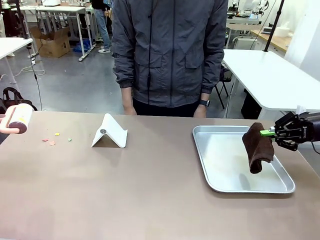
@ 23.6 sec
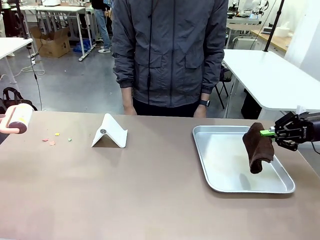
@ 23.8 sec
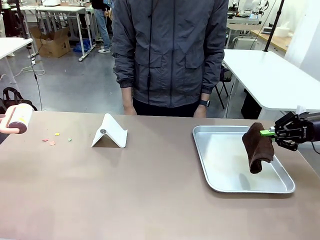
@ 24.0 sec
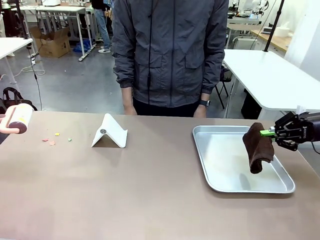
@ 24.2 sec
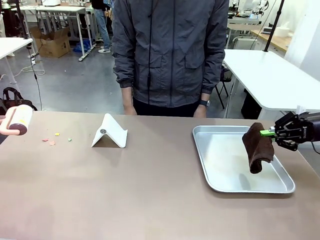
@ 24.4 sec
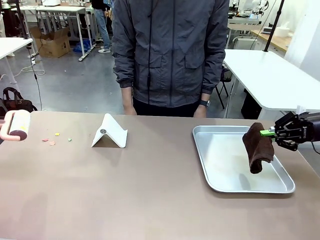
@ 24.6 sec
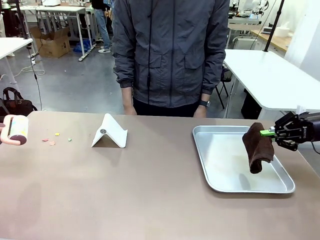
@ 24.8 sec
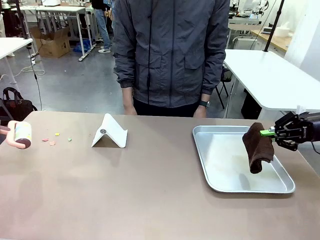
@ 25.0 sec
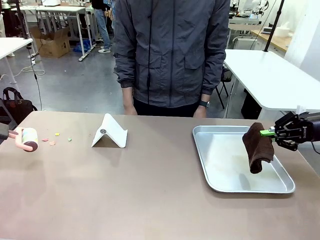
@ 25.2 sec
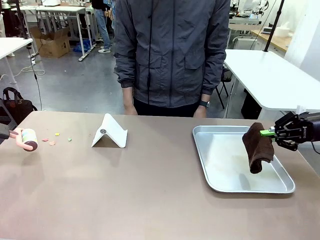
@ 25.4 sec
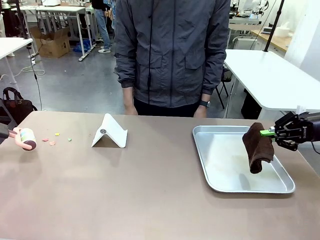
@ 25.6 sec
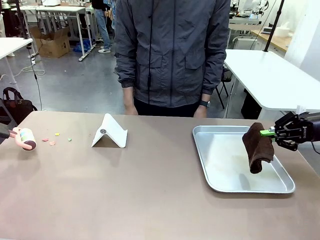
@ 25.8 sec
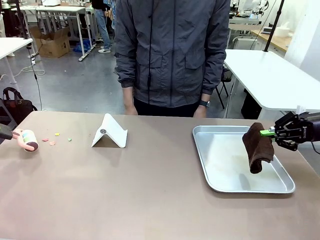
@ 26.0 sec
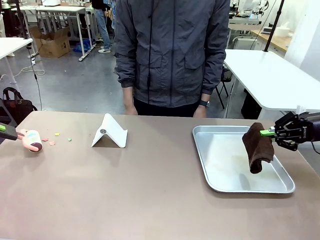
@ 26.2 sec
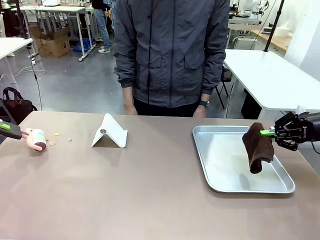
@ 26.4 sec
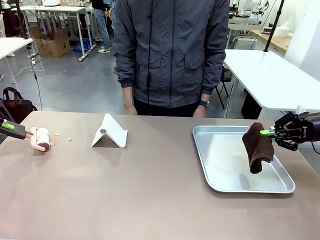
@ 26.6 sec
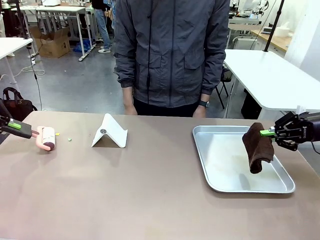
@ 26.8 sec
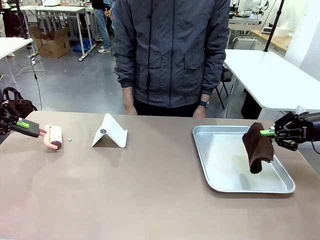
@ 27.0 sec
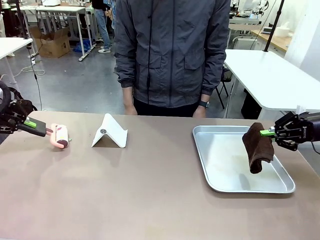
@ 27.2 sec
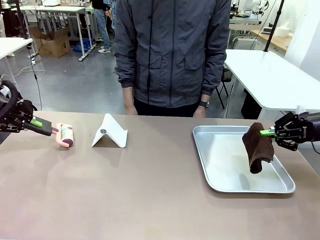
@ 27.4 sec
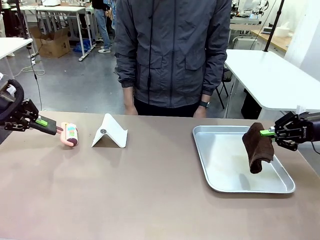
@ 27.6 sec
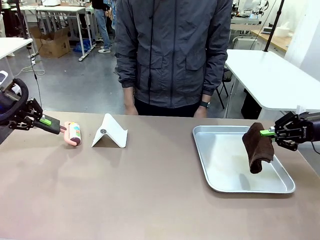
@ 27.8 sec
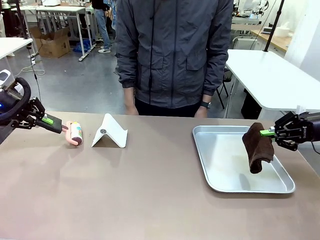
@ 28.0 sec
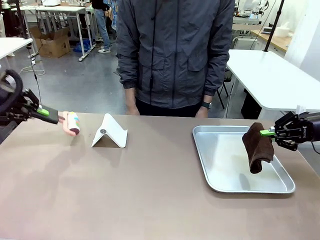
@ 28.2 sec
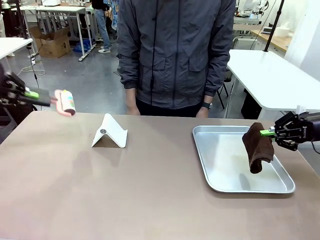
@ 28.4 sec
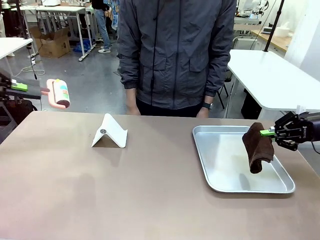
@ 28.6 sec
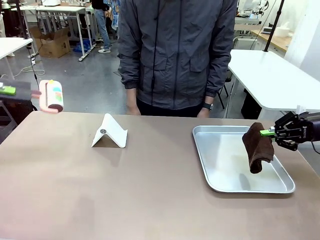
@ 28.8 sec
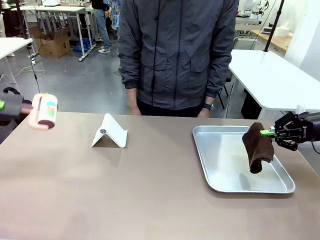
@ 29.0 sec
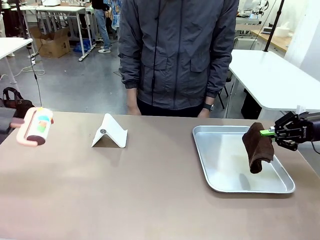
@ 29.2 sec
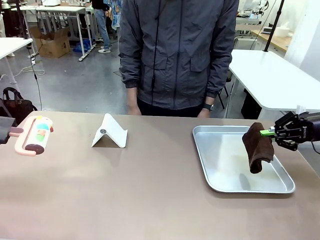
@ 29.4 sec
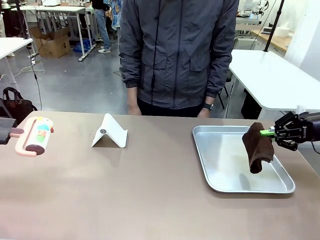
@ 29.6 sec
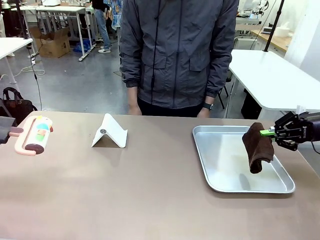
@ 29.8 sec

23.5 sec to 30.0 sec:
Task: Clean the surface of the table.
Robot: Clean the area not pointed to by the person.

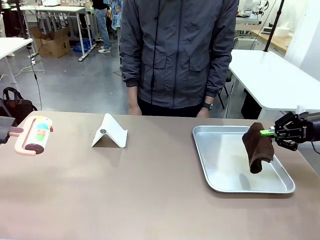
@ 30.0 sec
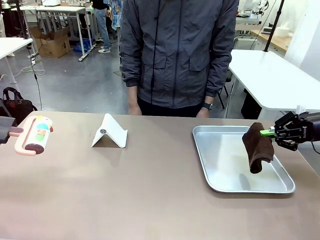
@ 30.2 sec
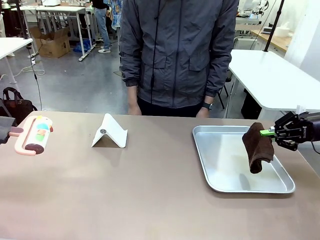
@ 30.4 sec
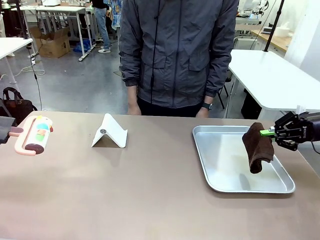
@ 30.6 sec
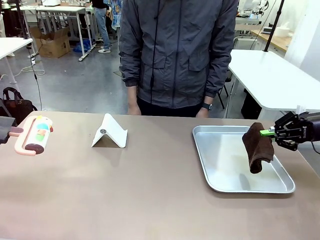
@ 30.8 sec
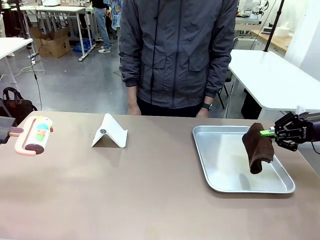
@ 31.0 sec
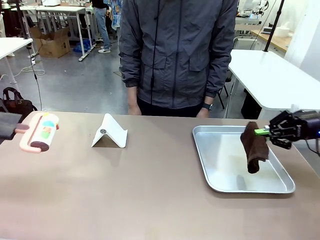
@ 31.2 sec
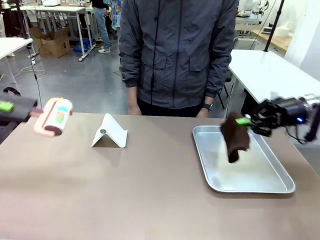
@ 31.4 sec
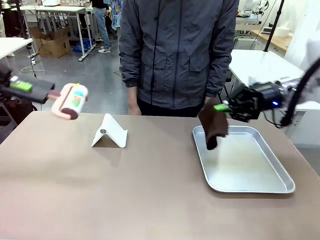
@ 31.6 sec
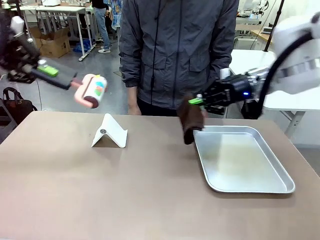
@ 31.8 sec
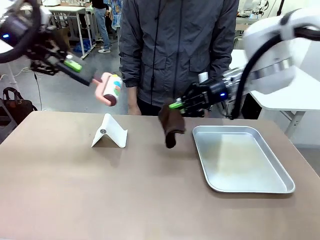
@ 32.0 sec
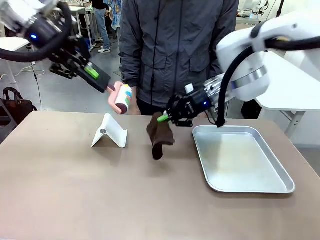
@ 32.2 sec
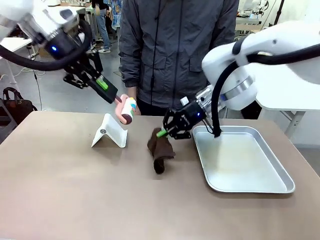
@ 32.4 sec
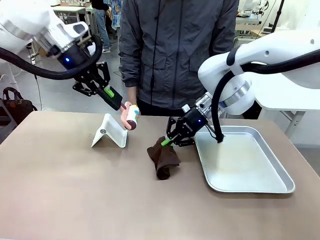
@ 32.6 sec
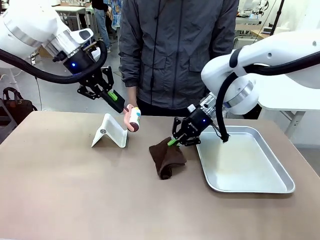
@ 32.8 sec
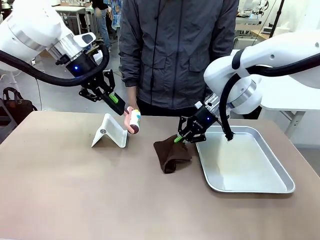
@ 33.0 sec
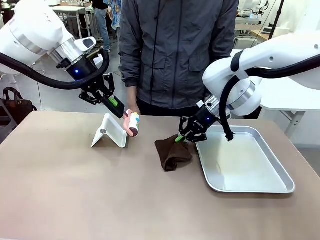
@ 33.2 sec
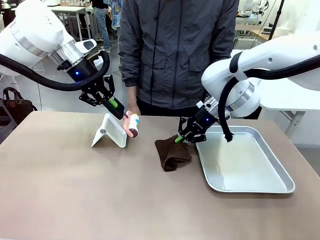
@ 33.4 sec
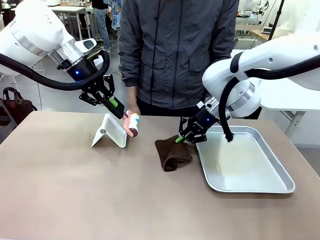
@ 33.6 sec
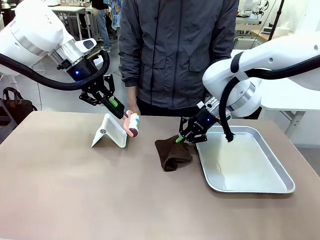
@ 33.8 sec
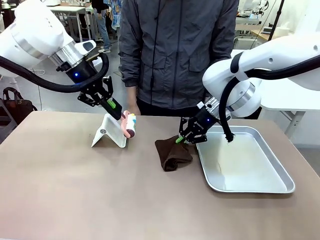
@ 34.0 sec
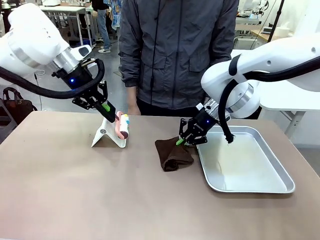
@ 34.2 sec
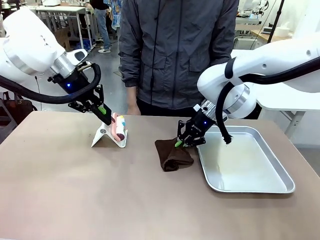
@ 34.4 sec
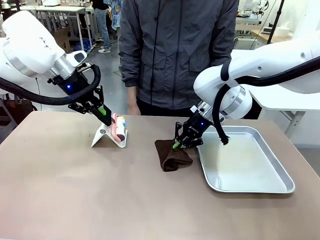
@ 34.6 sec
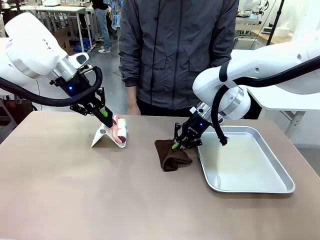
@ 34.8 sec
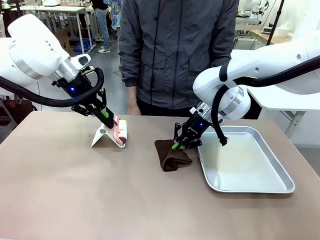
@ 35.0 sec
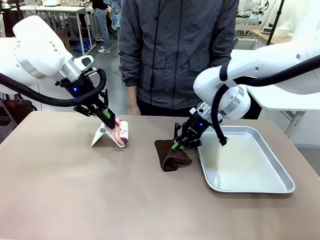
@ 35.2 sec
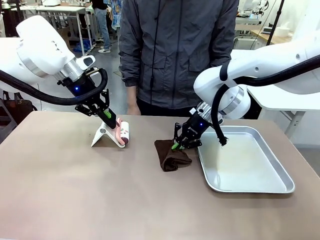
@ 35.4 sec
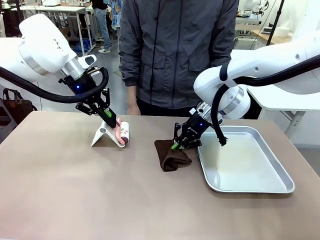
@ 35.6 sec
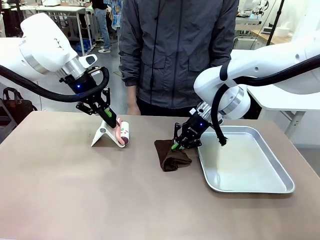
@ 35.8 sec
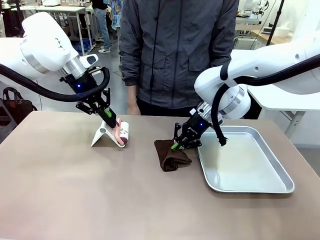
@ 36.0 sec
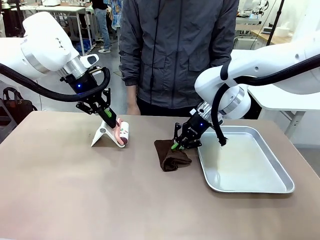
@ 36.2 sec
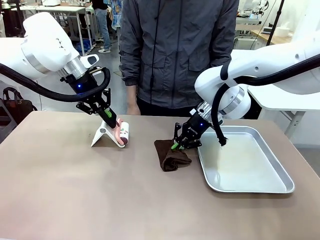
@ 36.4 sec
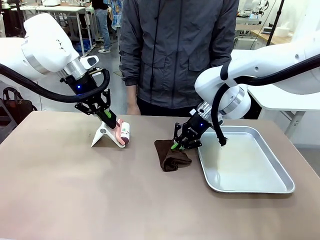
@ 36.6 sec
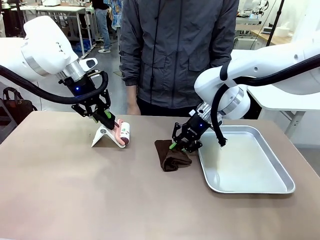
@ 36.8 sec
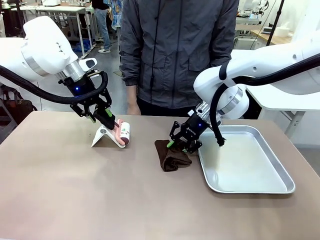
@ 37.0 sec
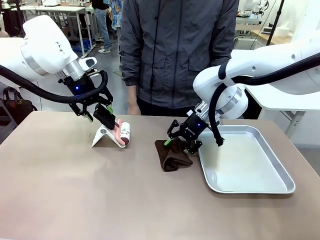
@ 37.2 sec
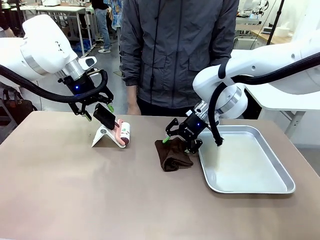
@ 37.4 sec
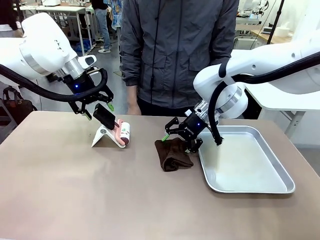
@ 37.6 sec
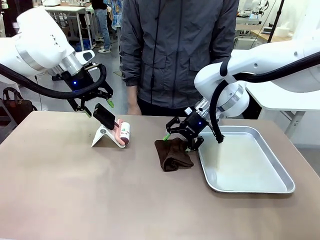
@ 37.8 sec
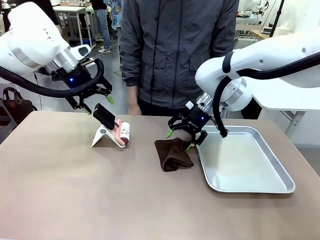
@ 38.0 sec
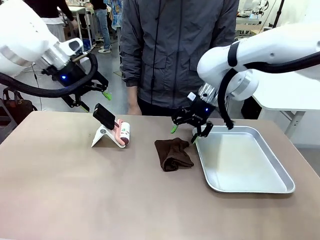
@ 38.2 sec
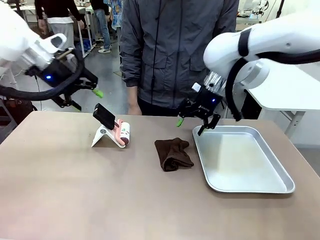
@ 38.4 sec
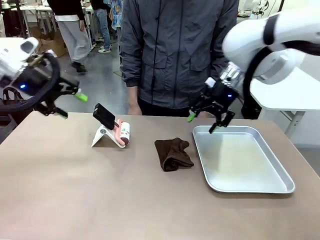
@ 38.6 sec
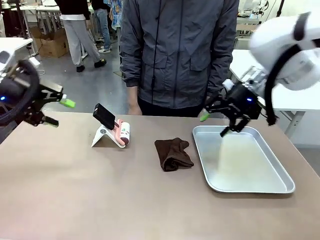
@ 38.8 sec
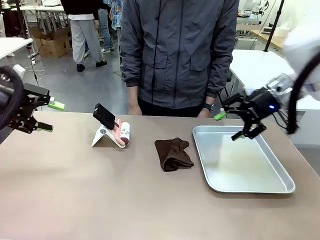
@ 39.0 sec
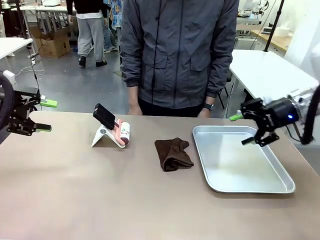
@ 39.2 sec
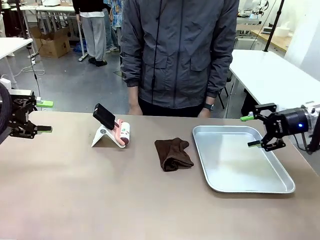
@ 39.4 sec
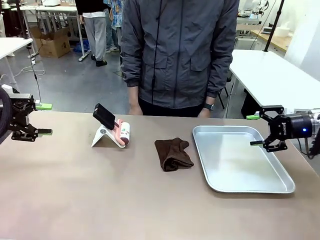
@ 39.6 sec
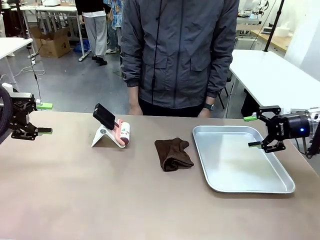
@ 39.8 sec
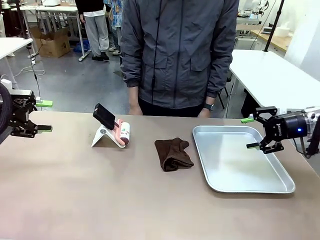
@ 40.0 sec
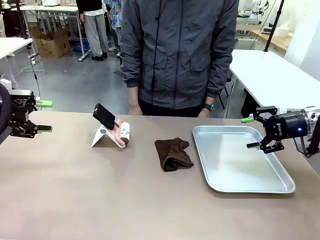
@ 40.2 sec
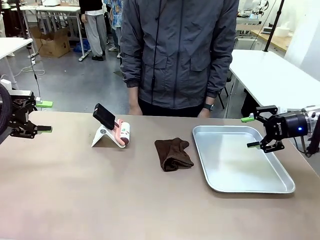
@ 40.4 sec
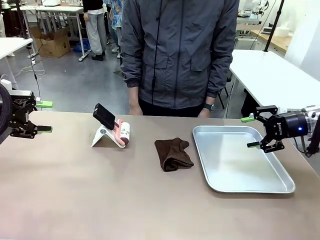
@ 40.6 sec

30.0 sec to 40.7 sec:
Robot: Return the Lint Roller and towel to their original positions.
